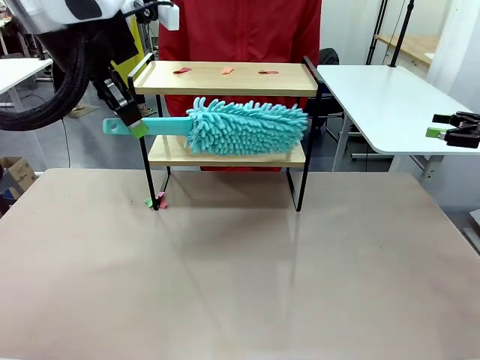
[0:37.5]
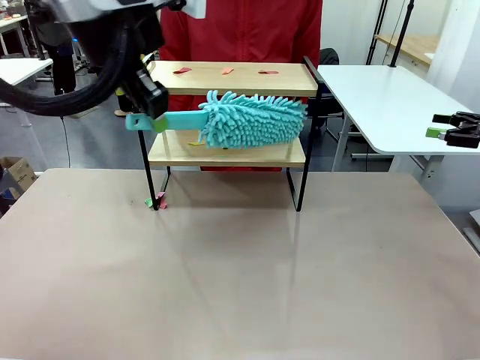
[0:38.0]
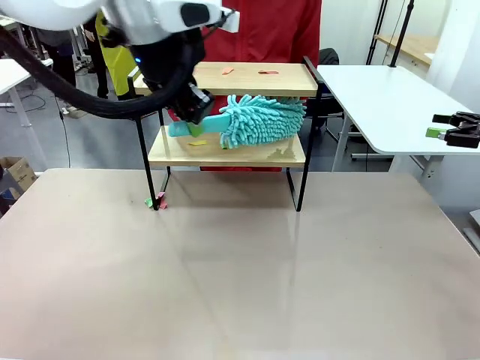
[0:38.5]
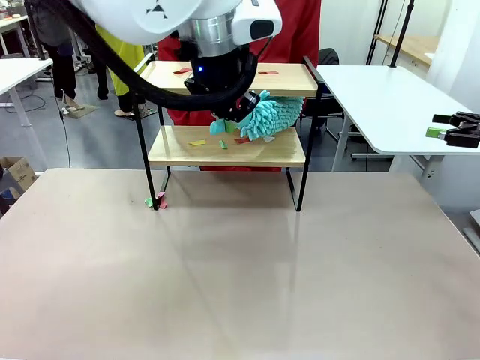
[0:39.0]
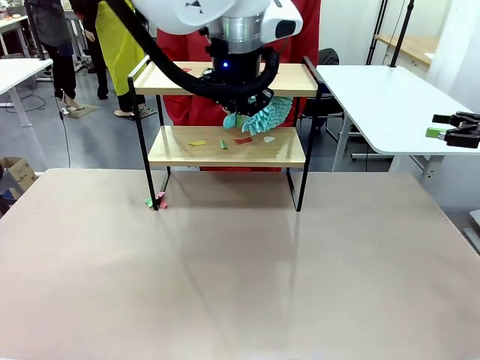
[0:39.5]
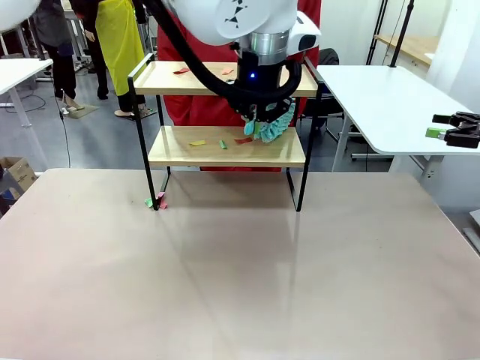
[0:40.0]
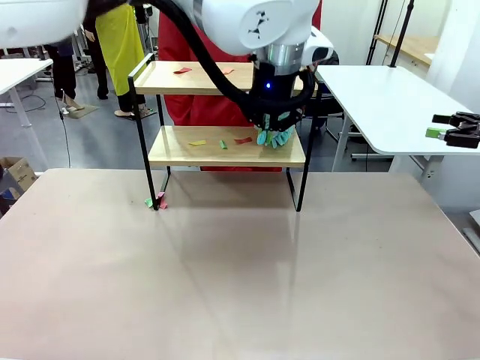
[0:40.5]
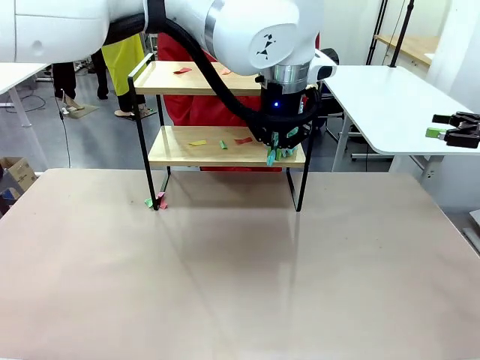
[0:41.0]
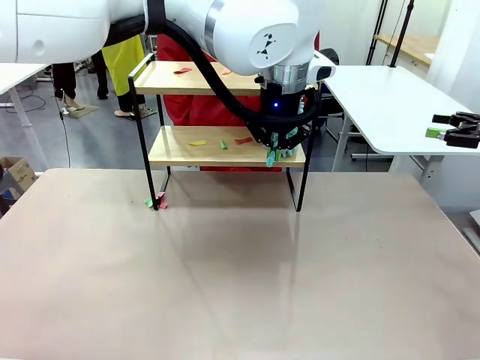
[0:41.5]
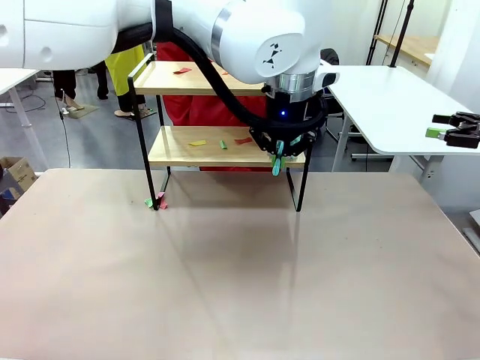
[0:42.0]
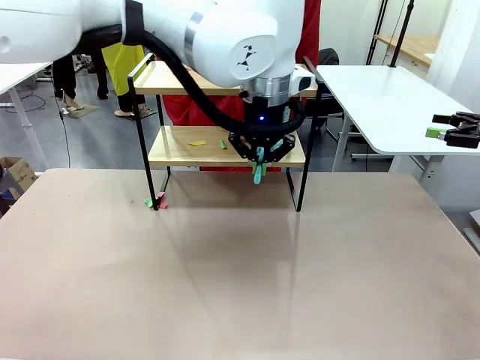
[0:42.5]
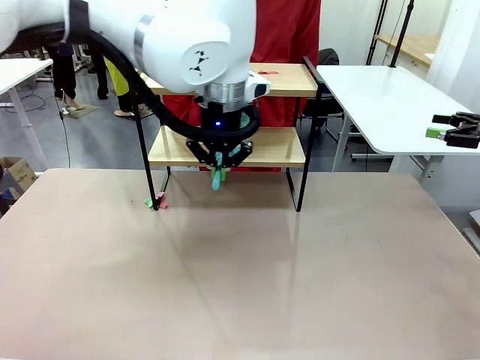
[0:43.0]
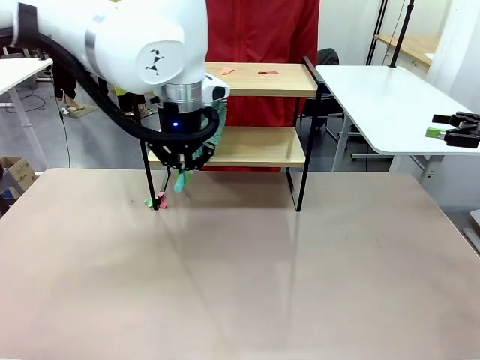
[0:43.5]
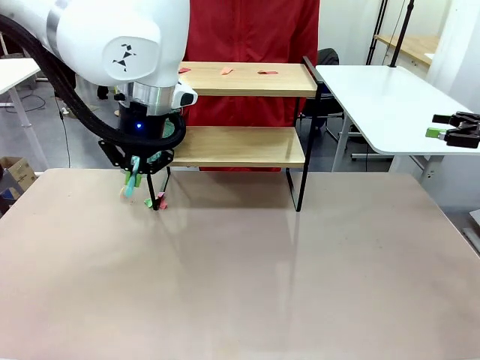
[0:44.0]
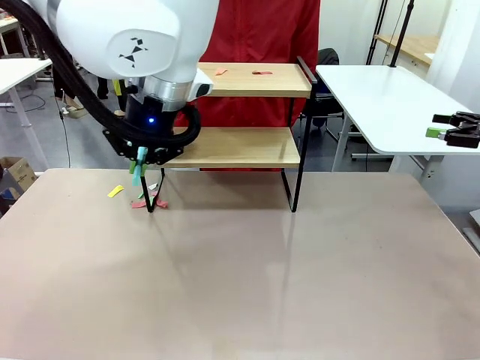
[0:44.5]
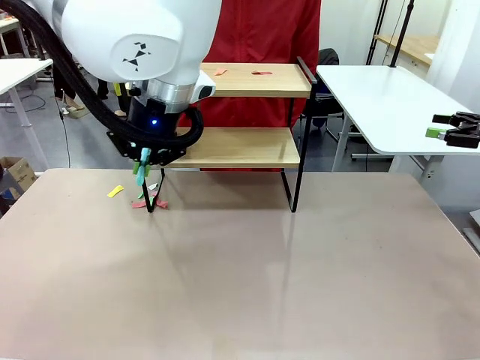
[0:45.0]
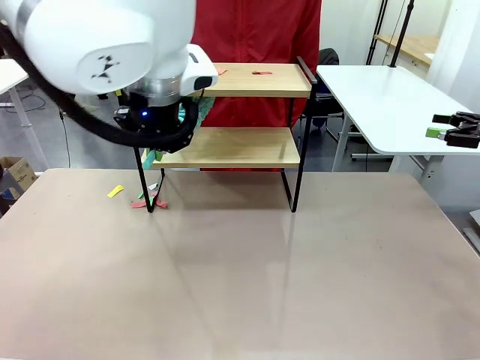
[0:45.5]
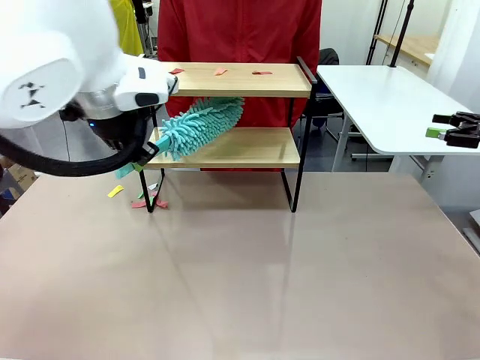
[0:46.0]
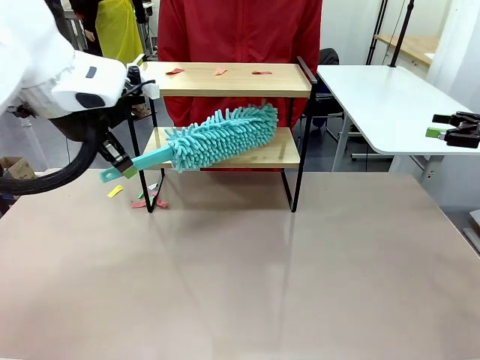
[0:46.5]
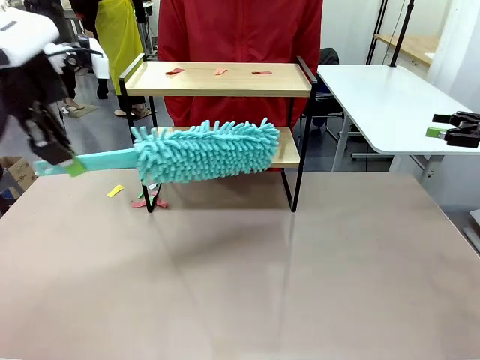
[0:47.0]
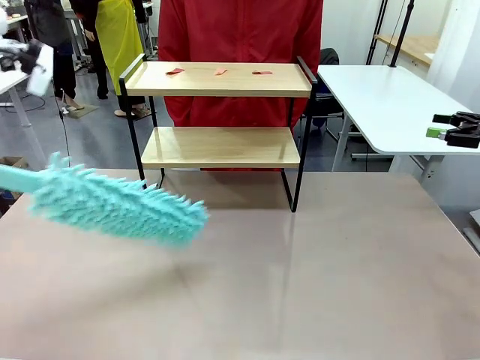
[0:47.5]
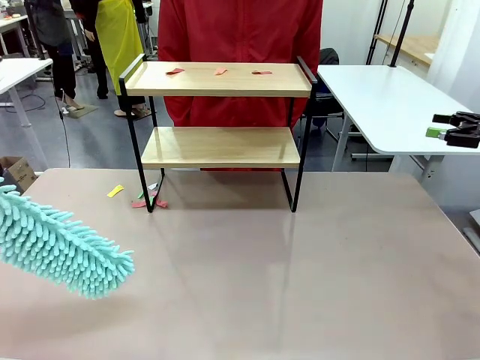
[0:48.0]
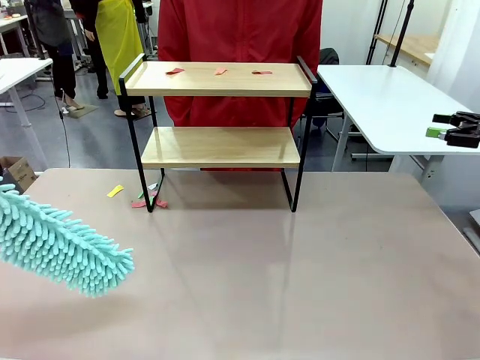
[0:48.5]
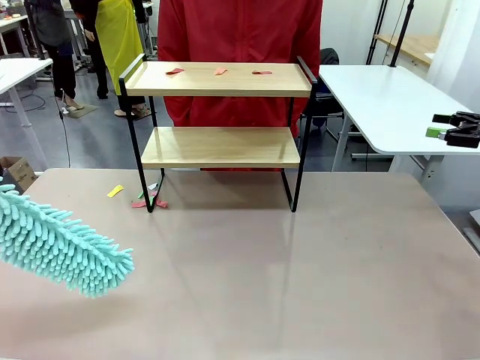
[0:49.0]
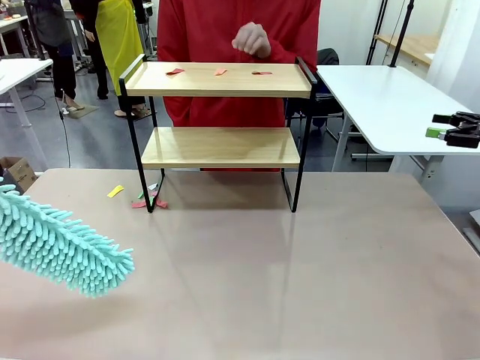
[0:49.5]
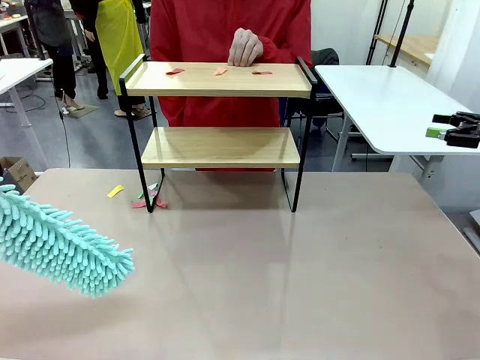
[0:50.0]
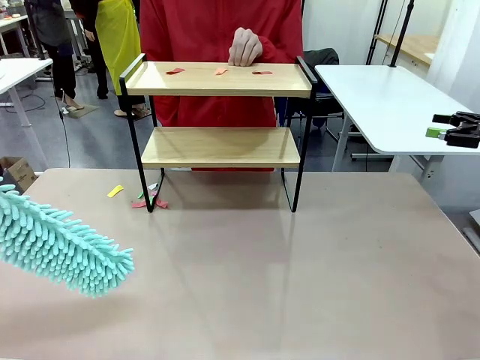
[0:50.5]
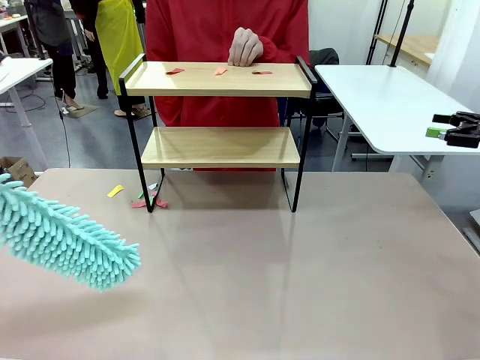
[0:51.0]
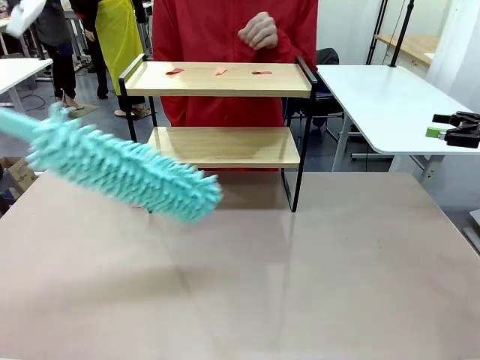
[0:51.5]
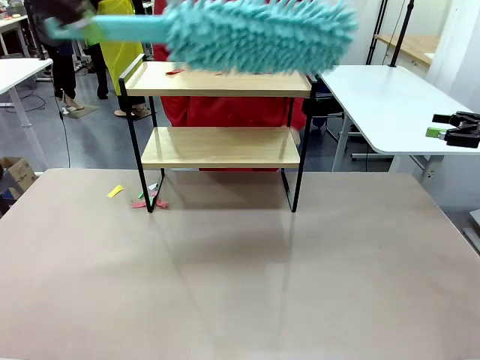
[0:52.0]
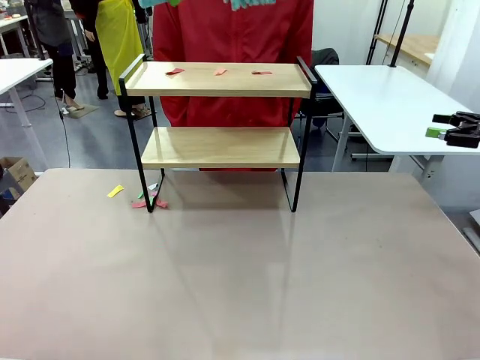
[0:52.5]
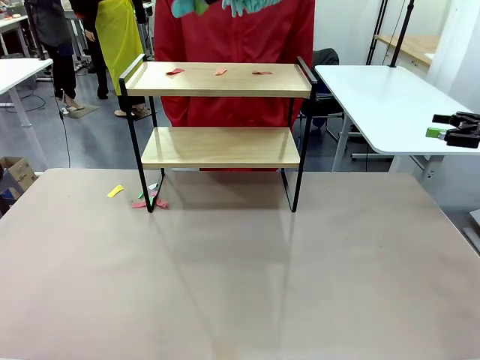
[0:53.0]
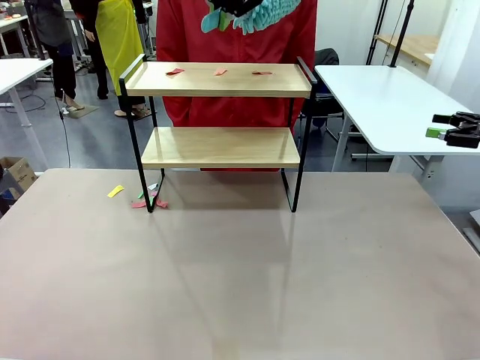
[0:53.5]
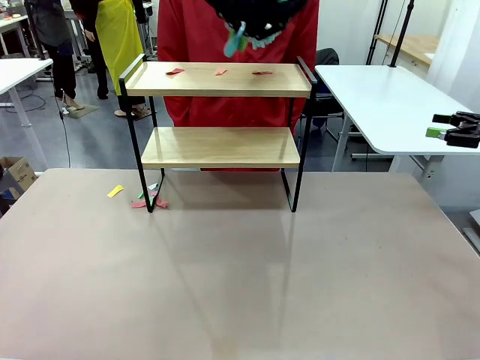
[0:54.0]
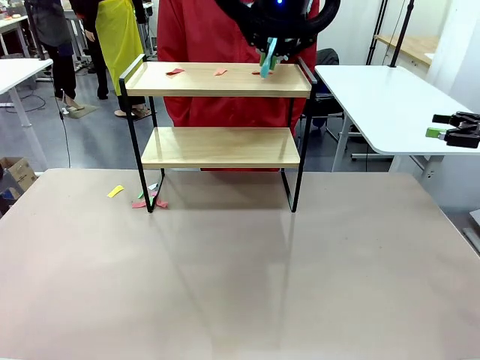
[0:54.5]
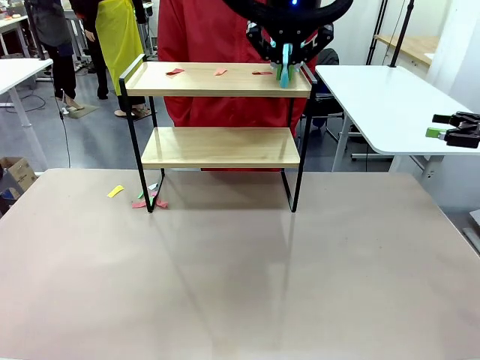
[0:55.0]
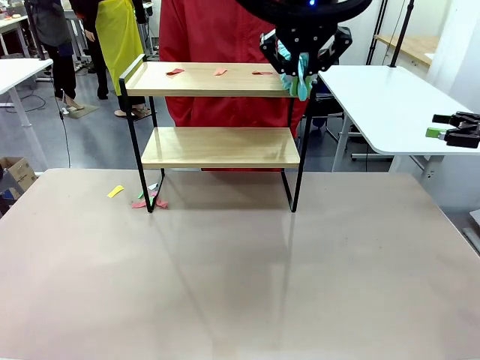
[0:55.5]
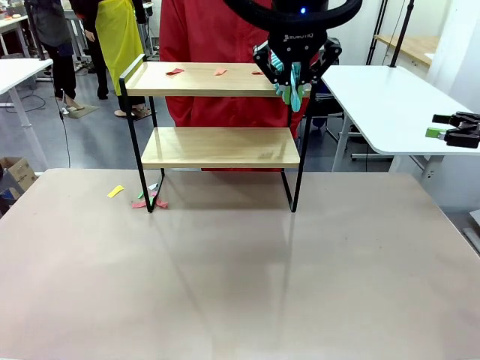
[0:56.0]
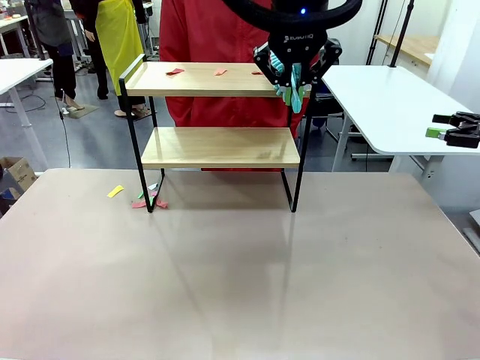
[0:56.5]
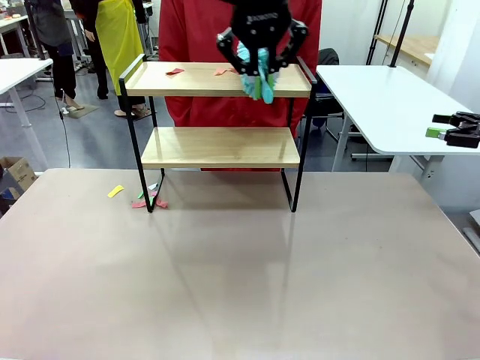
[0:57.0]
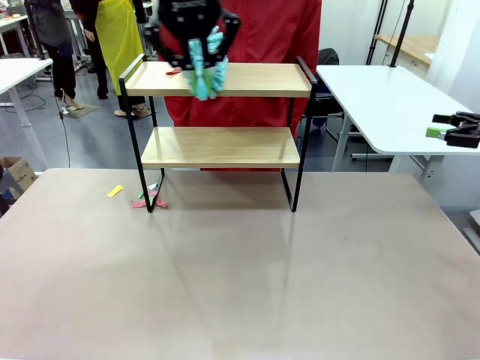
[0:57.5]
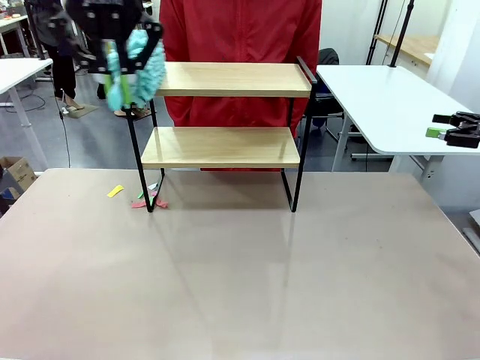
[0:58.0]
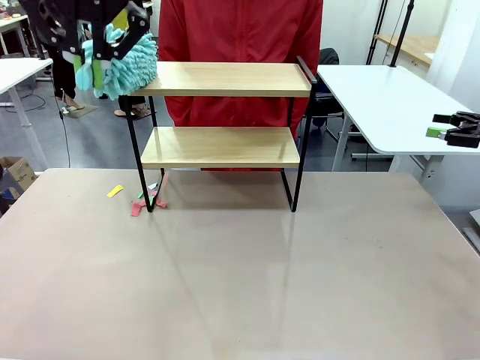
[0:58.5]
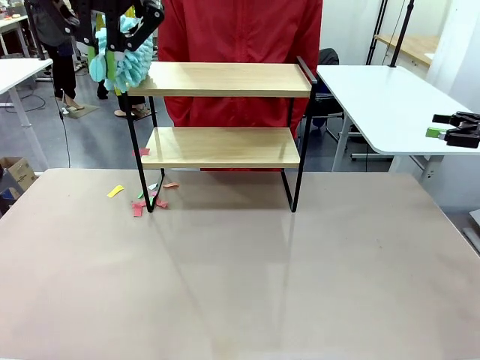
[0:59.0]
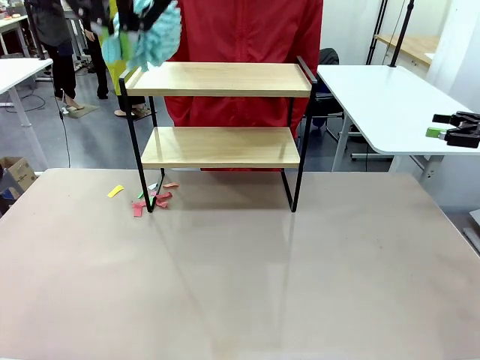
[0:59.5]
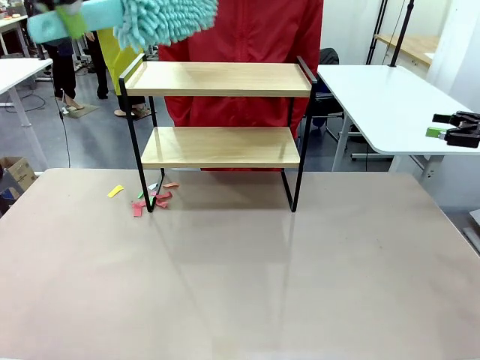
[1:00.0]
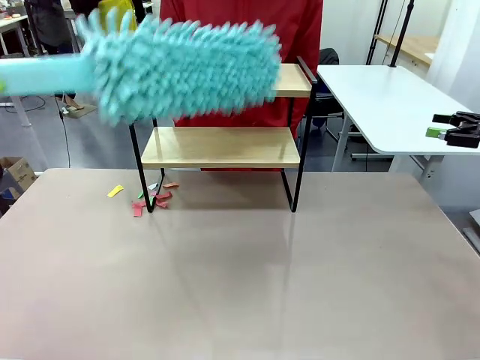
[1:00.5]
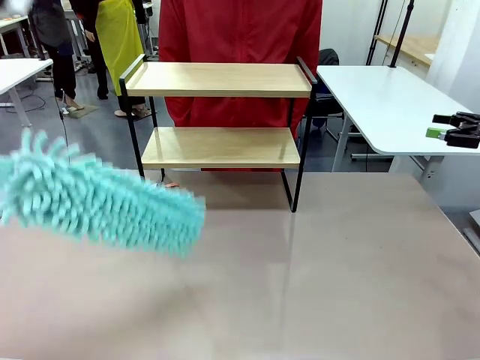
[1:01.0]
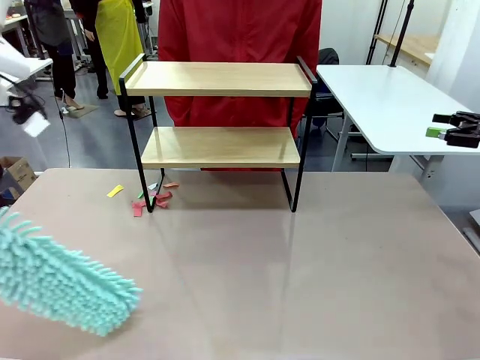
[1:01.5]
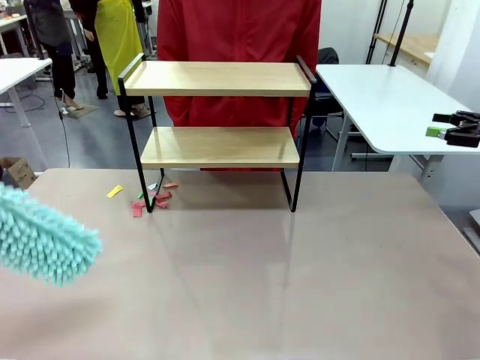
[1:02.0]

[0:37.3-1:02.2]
Task: Clean the shelf.
Robot: Clean the specific section of the Shelf indicated by the human with the Duster.
Person: Point a remaining section of the Shelf.
